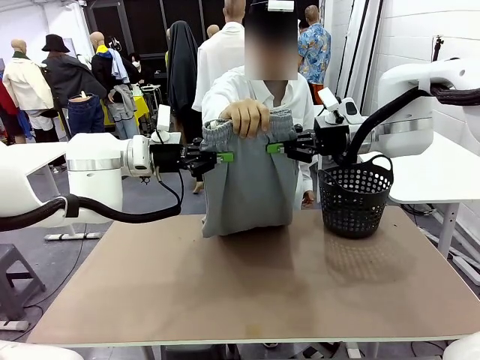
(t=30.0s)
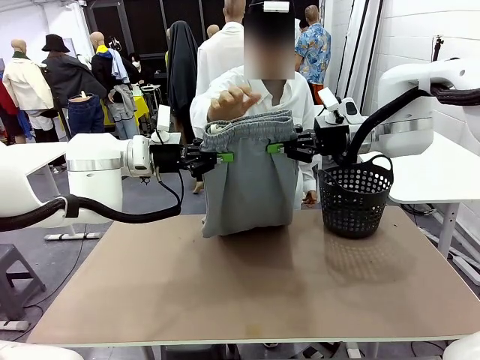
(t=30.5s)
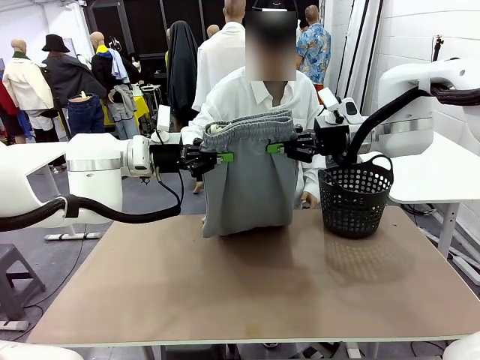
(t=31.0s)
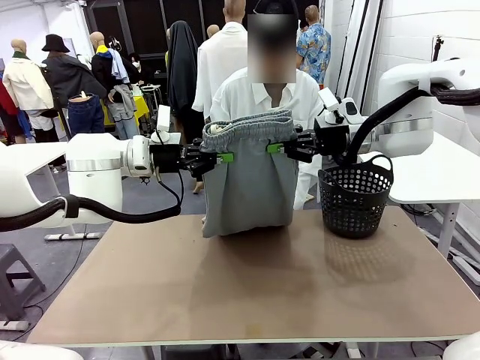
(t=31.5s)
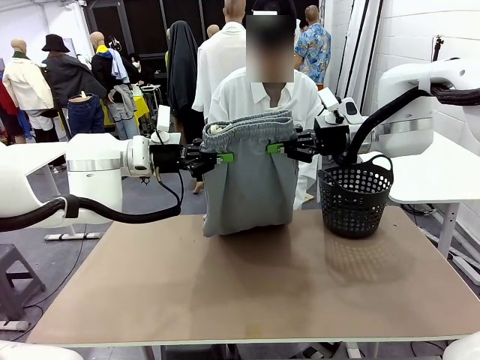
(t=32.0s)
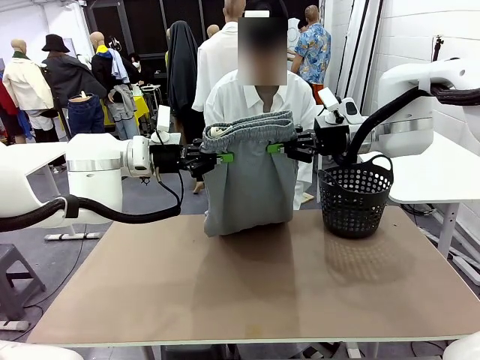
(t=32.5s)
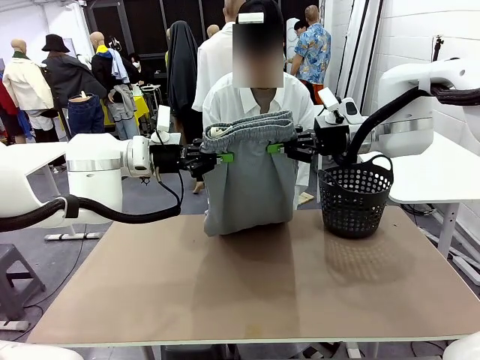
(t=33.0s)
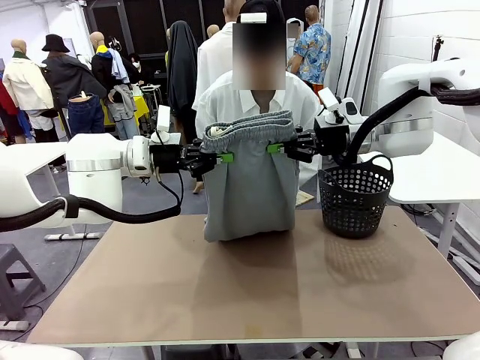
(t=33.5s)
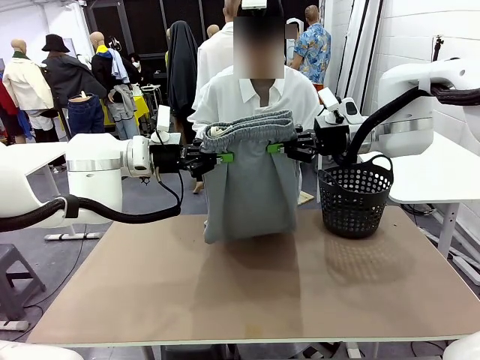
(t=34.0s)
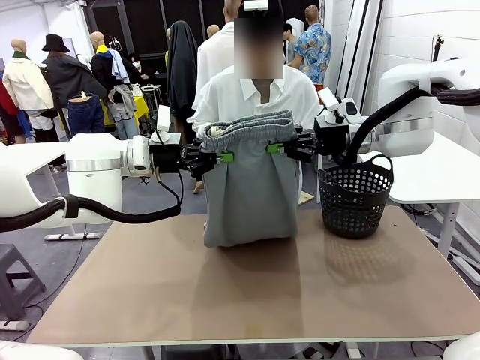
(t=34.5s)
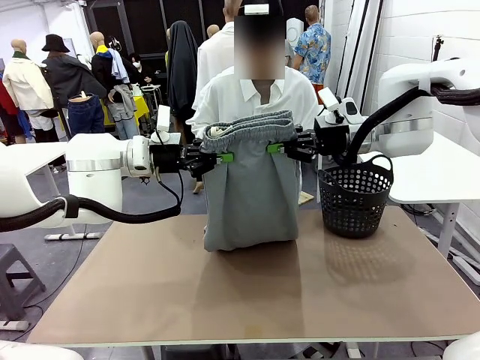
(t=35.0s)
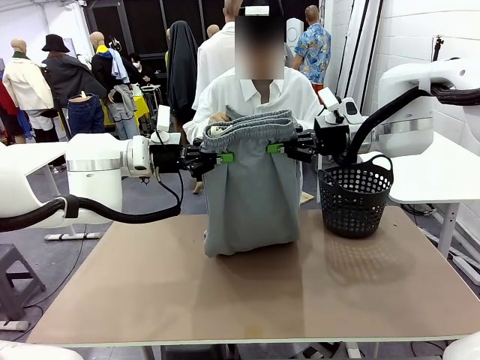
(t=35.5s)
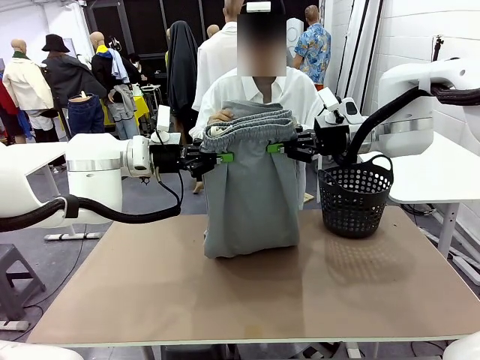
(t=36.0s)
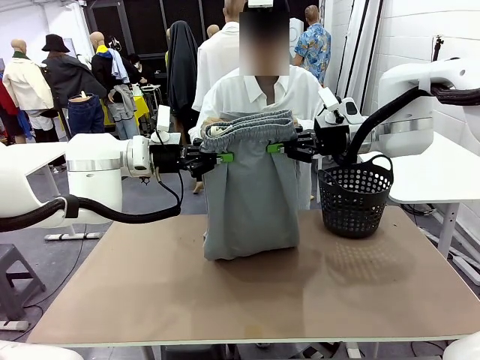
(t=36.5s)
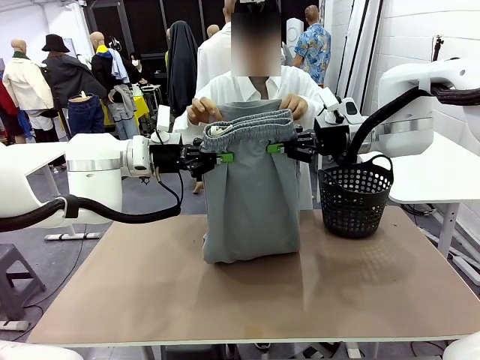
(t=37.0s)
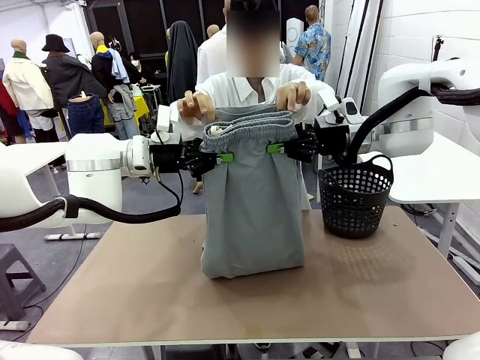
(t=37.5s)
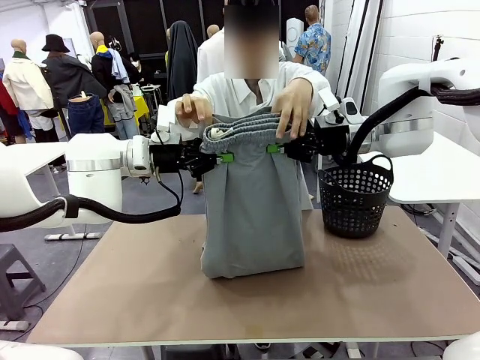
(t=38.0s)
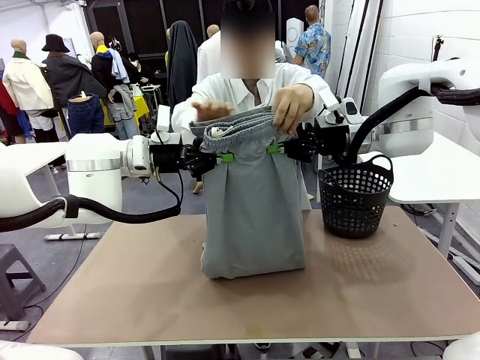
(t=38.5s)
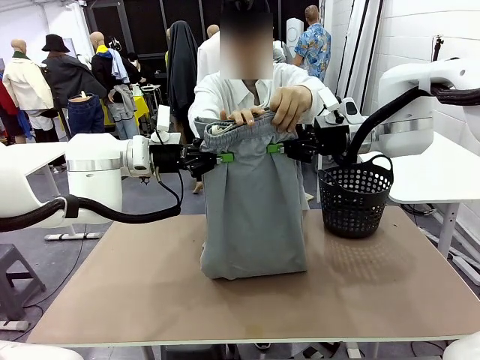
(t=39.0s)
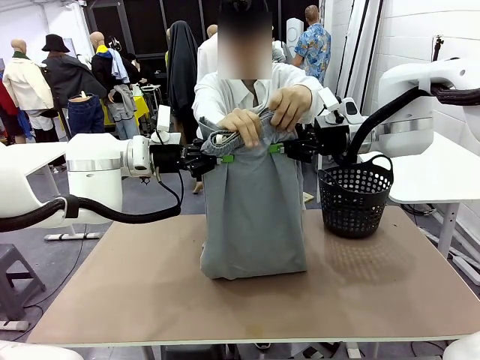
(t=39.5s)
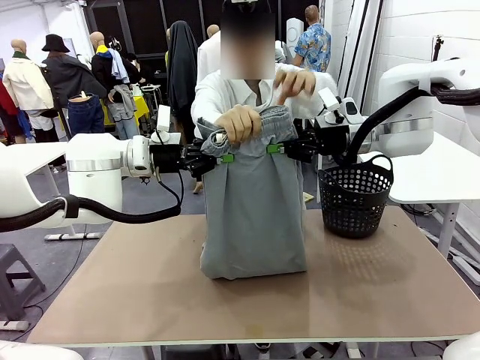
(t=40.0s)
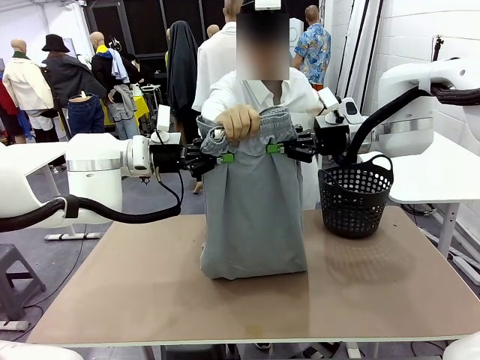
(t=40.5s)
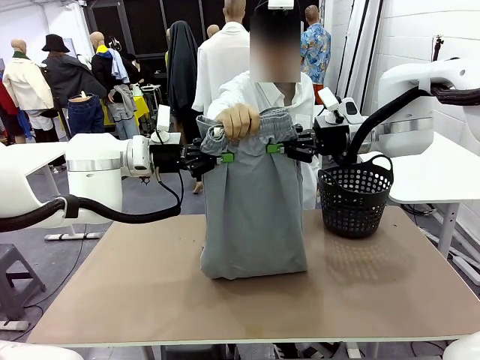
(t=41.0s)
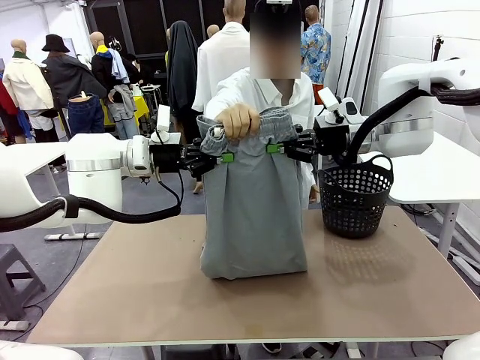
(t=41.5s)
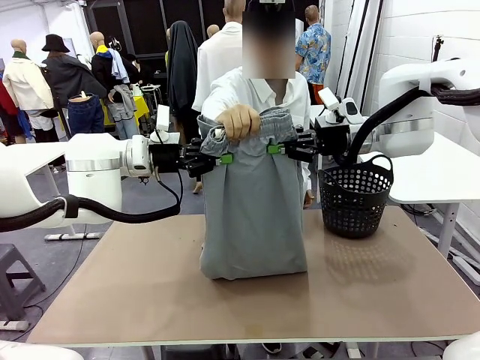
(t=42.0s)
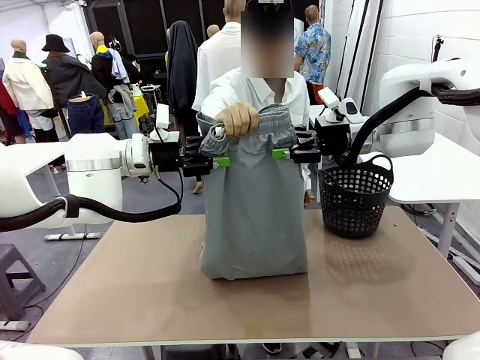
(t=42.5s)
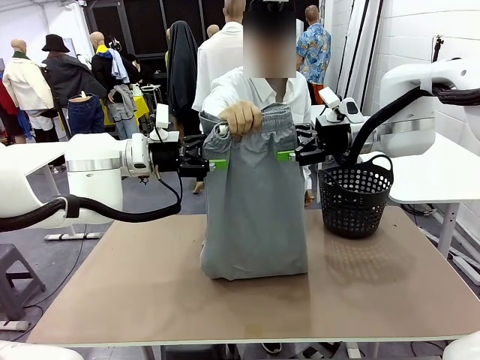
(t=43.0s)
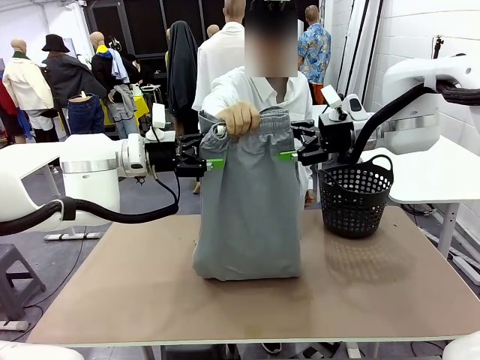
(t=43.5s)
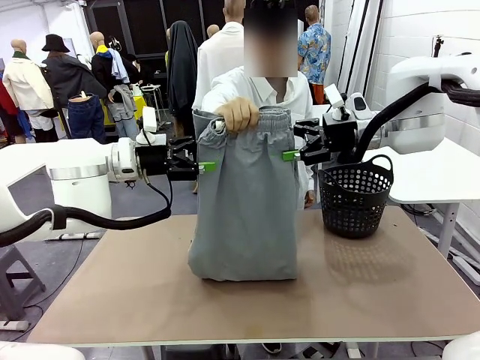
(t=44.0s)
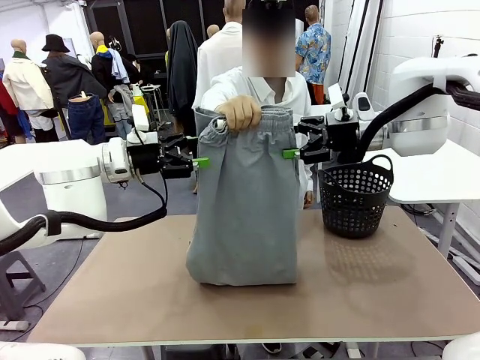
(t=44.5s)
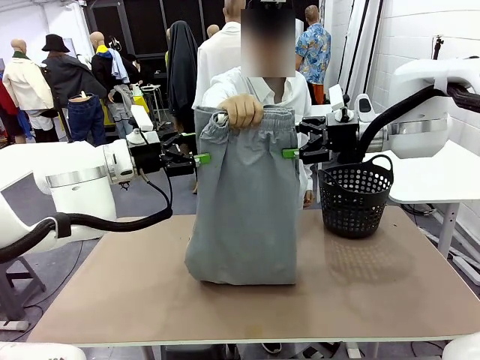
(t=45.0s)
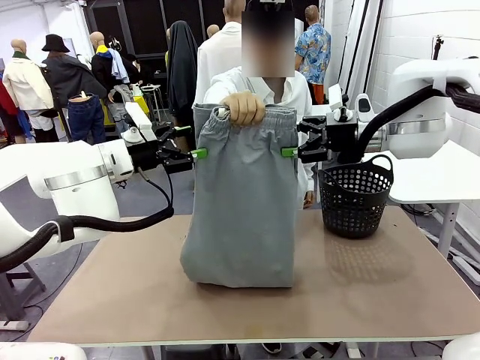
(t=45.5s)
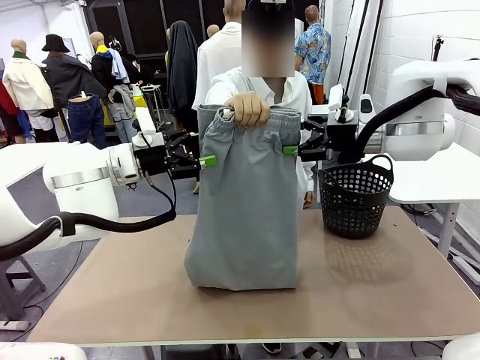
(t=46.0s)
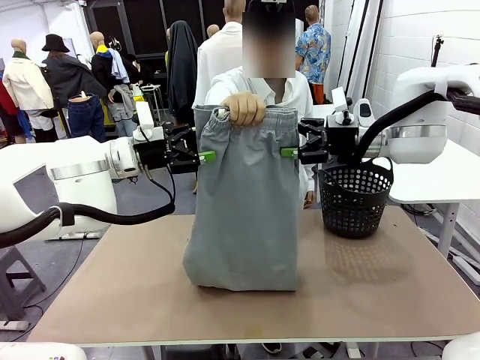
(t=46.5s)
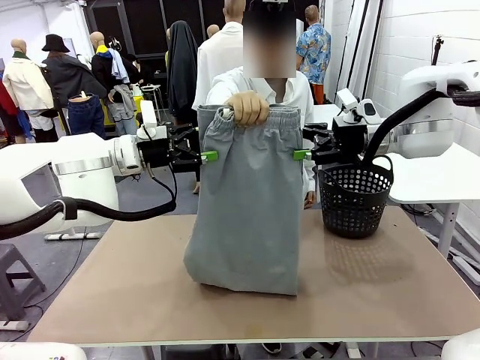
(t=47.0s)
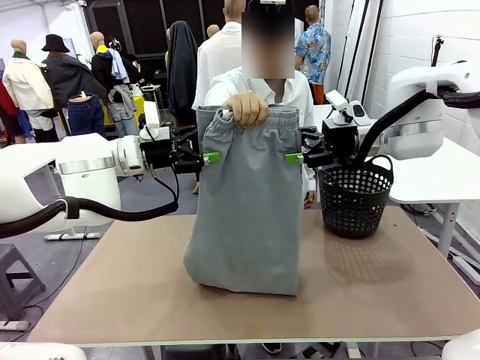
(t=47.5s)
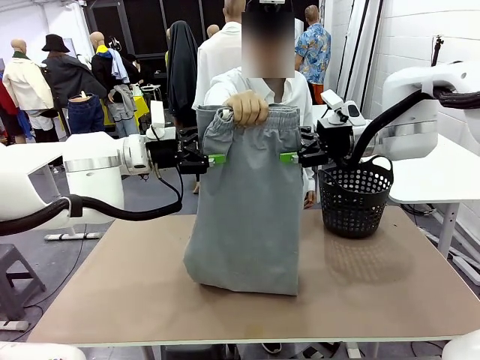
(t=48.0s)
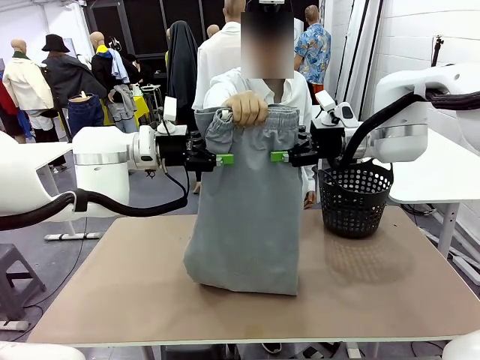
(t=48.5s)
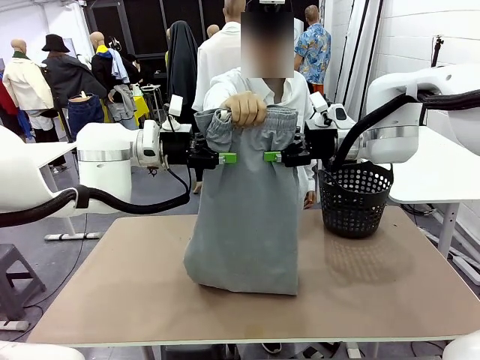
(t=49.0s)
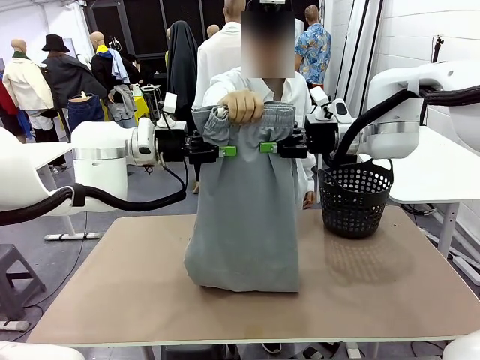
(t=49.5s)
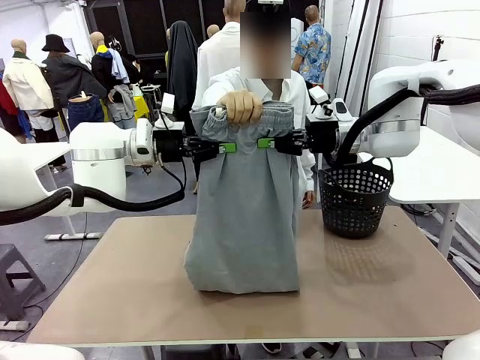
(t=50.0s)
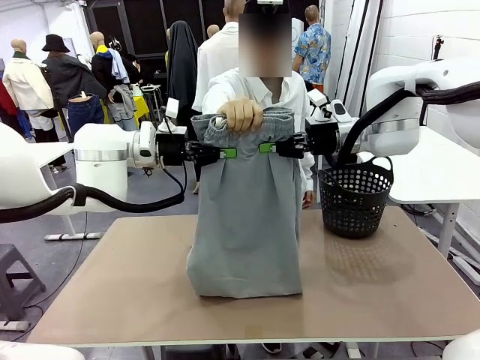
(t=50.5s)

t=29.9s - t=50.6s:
Task: Fold the training pants.
Robot: Release the ends of the Training pants and then grab the overlapped ends.
Person: Grasp the end opposite the point the robot is holding, fold the pants in half, and then grasp the overlapping top end of the folded pants. Release the pants you were holding.
